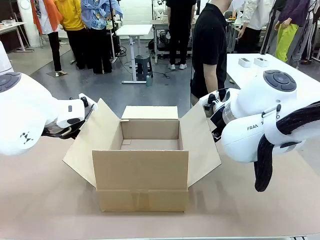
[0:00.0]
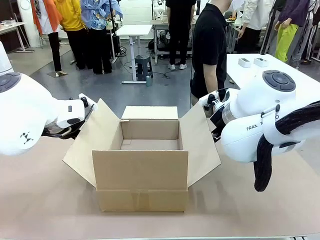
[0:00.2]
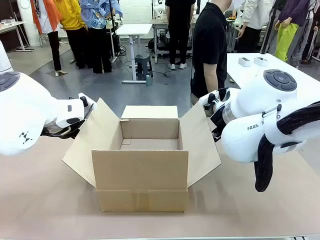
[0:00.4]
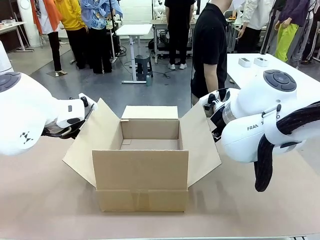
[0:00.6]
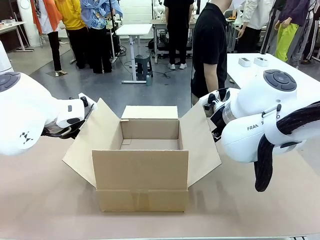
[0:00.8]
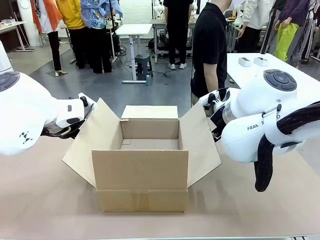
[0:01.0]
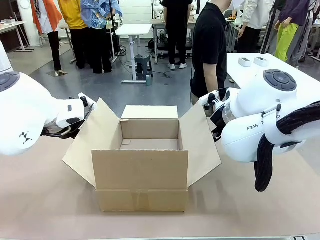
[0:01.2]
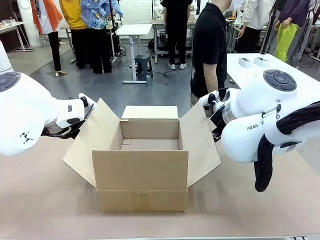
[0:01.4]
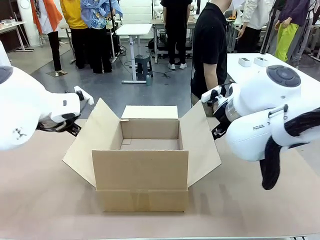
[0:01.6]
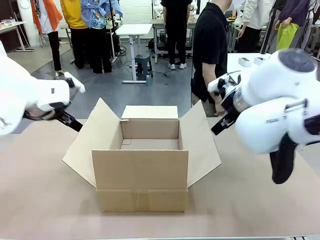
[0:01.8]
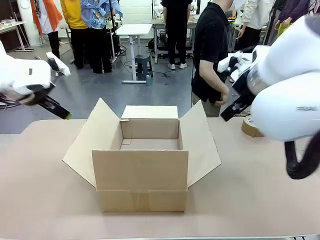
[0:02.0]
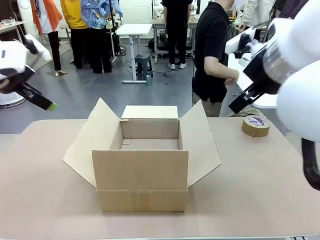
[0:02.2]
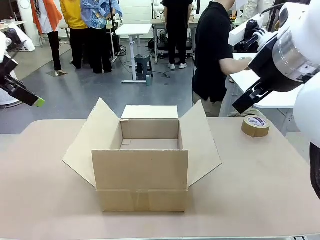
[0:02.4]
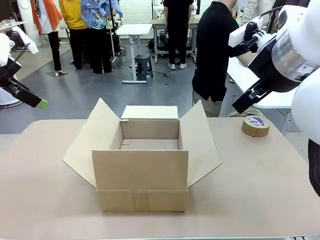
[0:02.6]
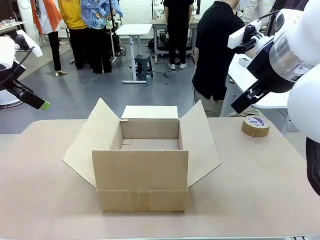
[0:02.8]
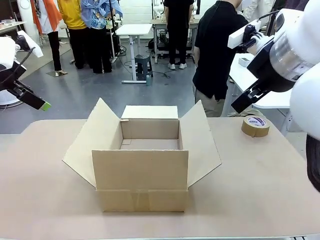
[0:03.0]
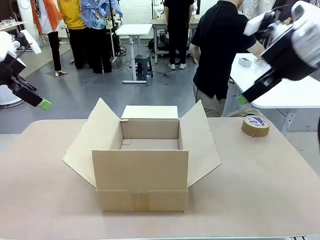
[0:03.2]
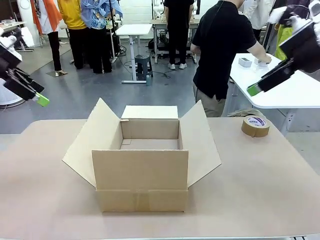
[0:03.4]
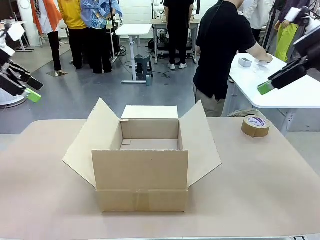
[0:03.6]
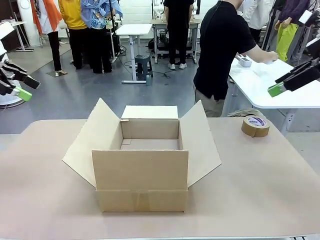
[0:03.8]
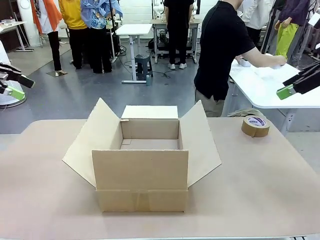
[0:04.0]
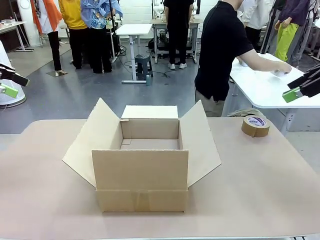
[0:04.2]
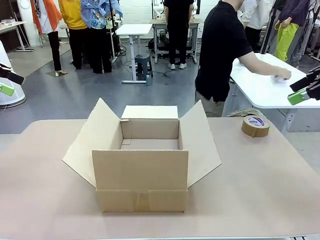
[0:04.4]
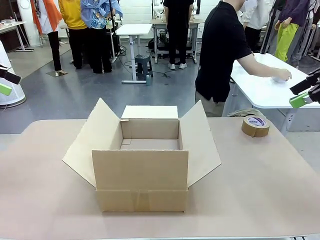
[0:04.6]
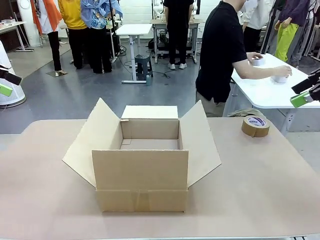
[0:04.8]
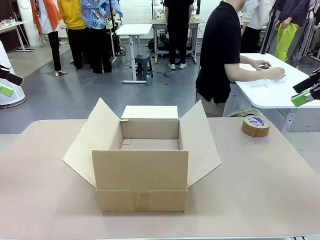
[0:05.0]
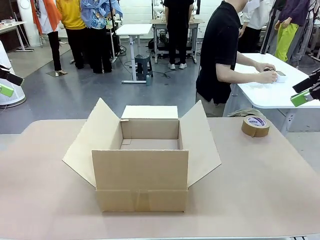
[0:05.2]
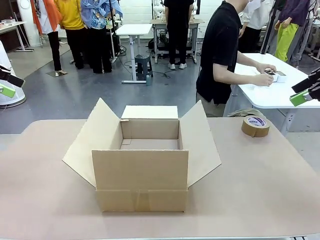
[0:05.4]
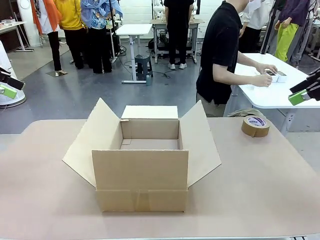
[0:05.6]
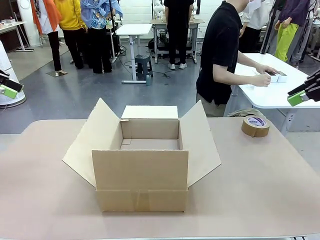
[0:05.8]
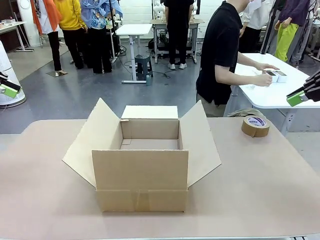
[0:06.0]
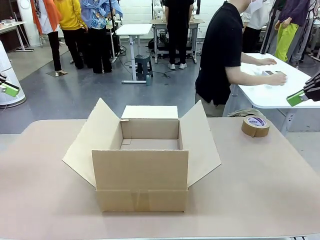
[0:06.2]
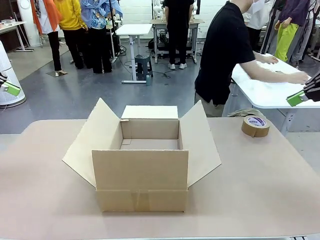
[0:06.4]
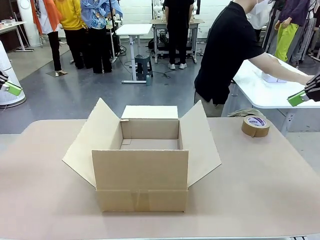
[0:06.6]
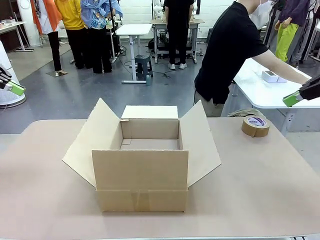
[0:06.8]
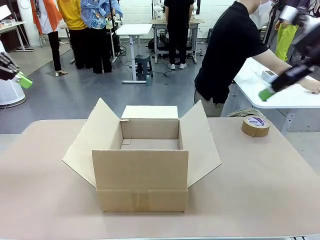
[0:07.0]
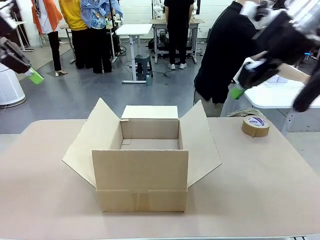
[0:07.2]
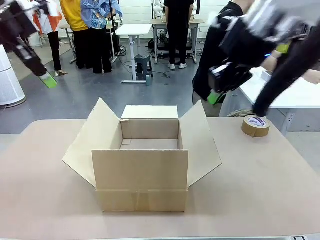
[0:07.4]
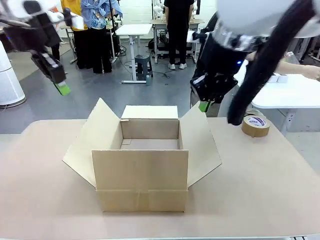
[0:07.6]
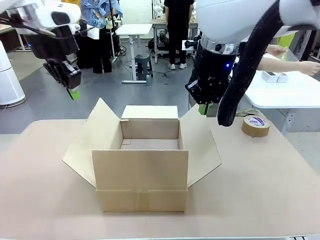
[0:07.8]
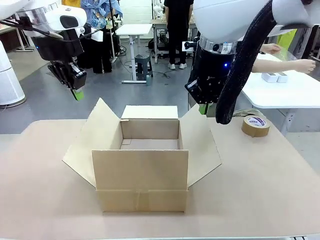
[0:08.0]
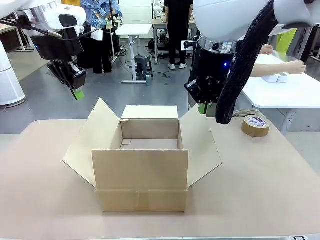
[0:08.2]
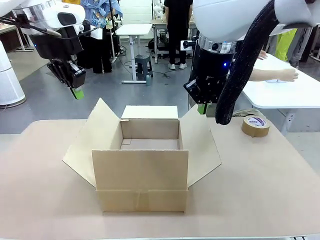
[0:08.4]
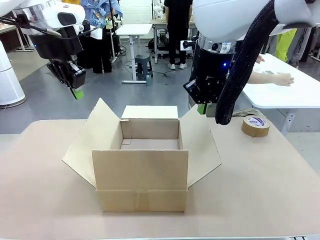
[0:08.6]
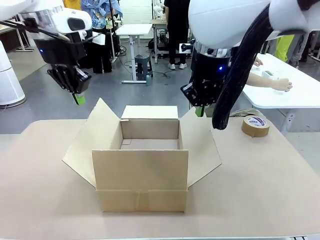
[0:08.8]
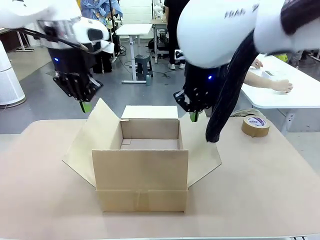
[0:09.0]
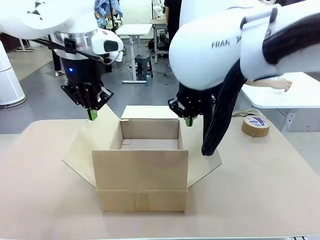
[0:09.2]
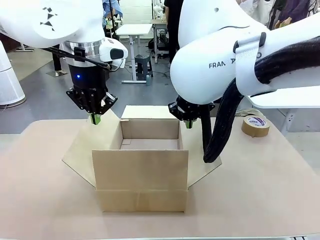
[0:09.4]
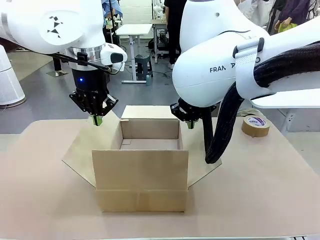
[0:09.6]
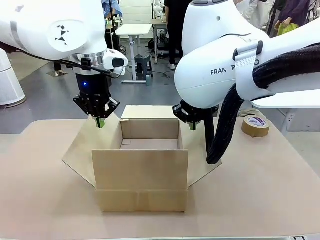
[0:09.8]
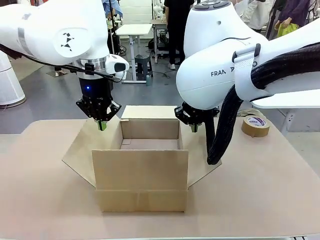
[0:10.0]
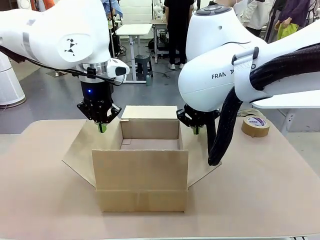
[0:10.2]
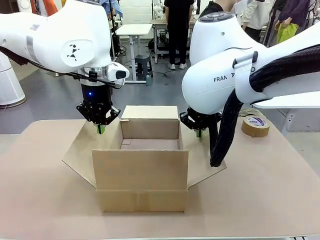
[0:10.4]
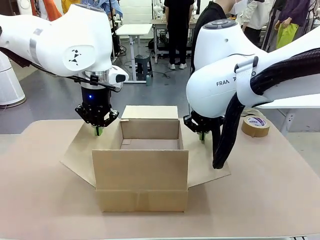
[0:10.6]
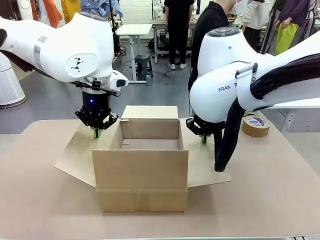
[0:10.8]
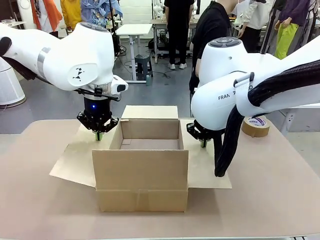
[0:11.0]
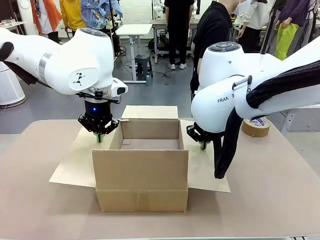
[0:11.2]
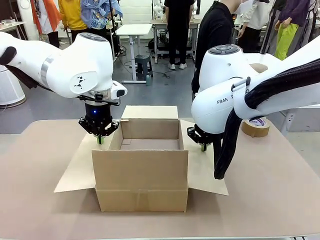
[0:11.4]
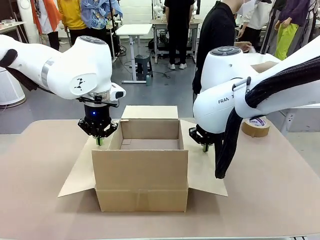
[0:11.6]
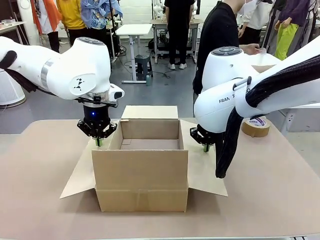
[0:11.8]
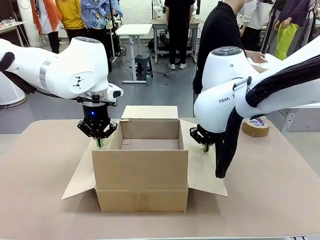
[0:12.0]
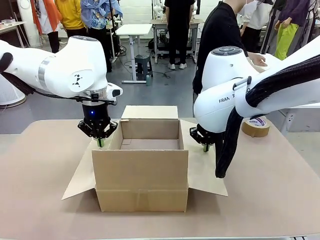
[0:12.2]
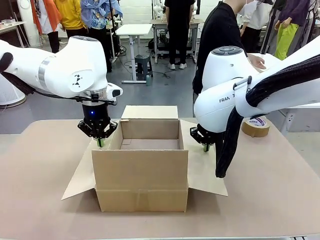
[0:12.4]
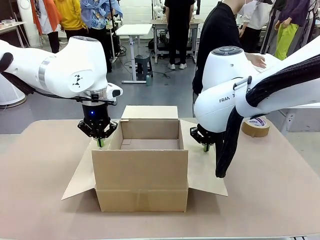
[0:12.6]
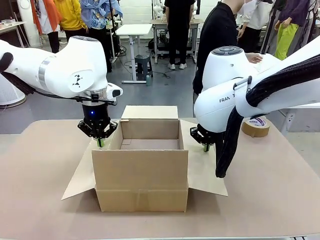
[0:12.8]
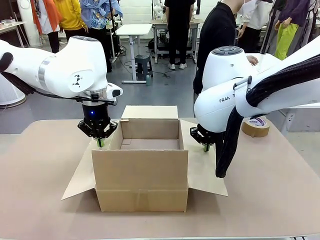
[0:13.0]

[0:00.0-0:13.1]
Task: Wrap the clocks to prevent damage.
Robot: Open the side flaps of the Package Box.
Person: Wrap the two Digital clocks with Bubble Wrap.
